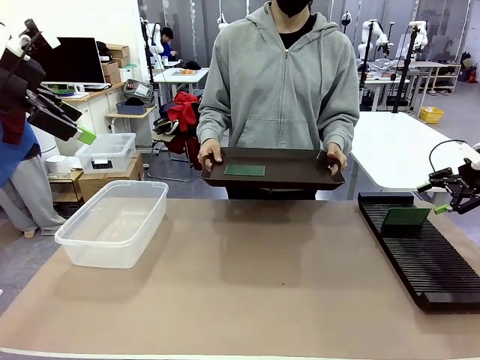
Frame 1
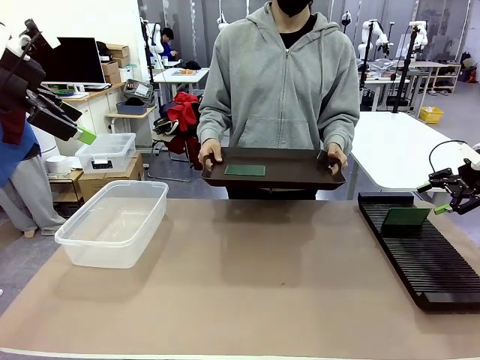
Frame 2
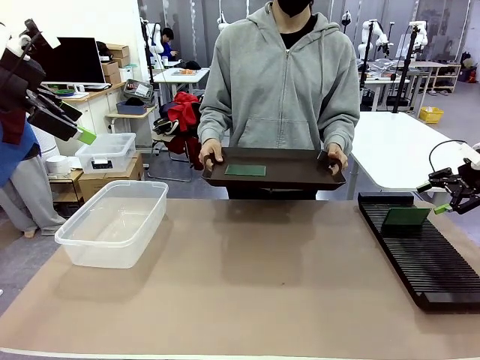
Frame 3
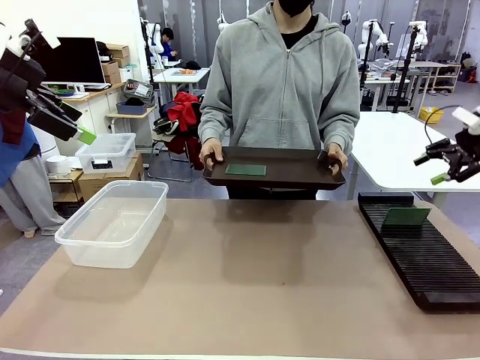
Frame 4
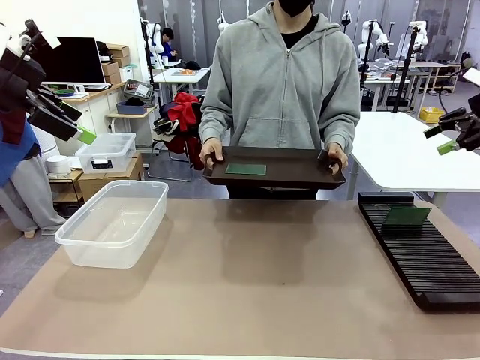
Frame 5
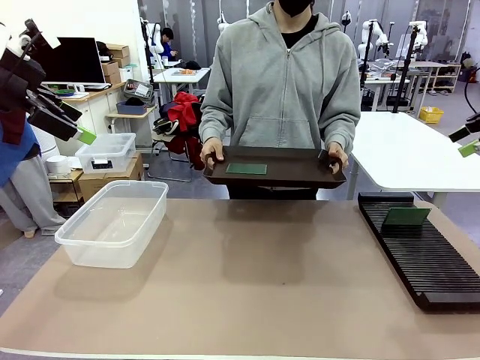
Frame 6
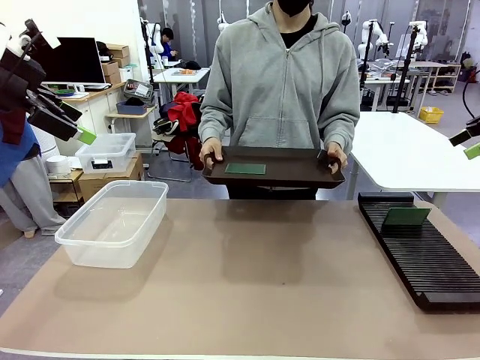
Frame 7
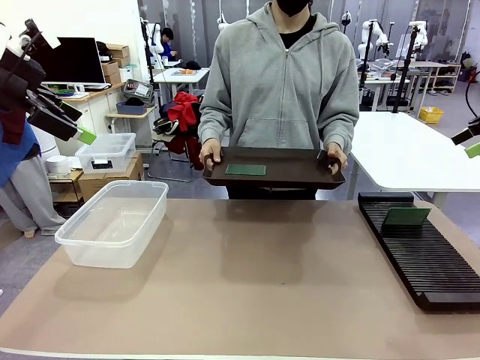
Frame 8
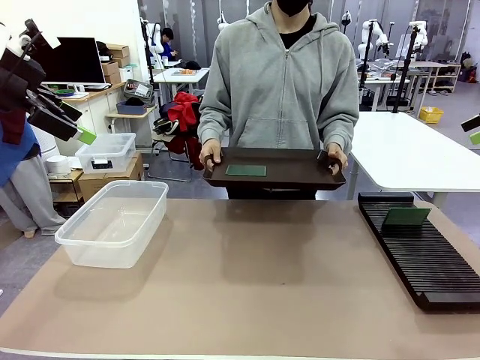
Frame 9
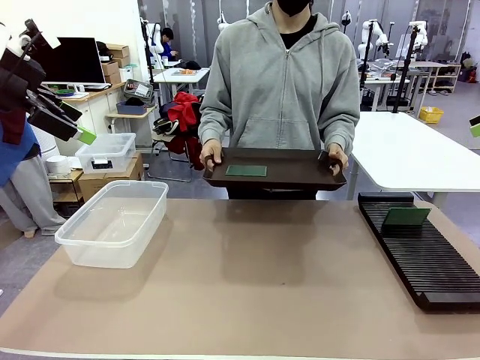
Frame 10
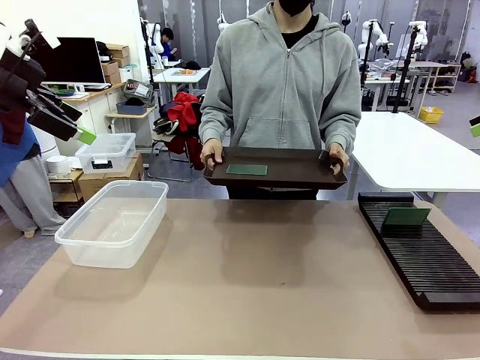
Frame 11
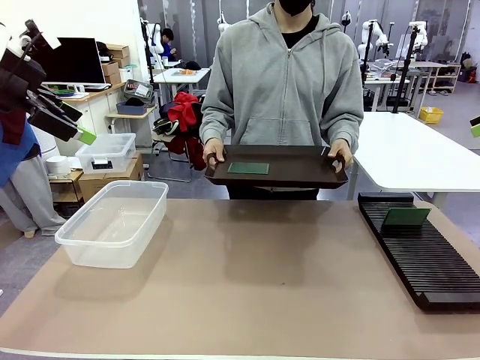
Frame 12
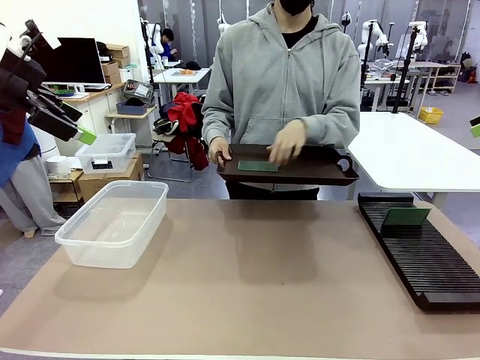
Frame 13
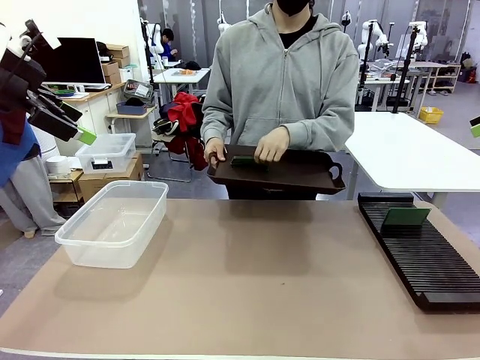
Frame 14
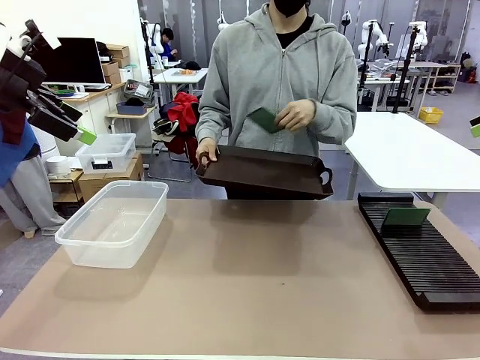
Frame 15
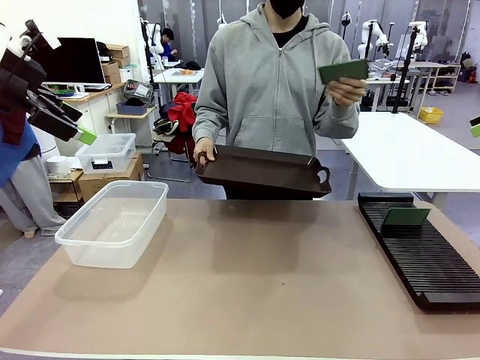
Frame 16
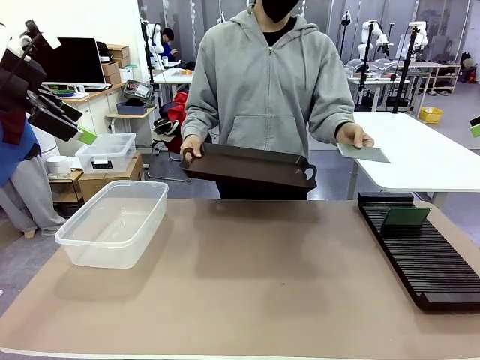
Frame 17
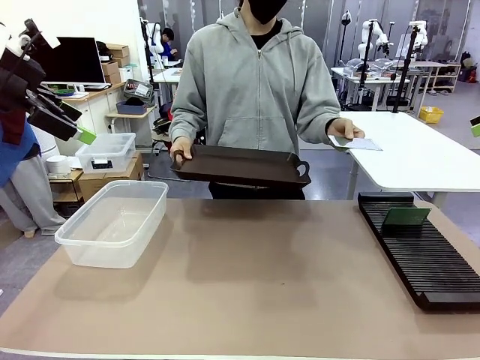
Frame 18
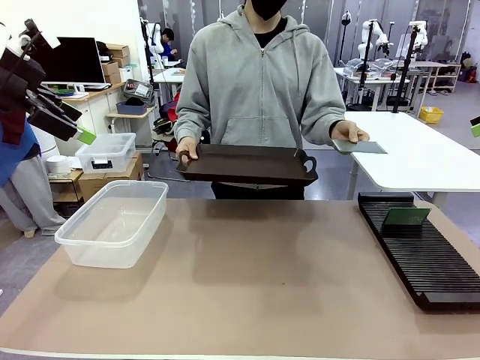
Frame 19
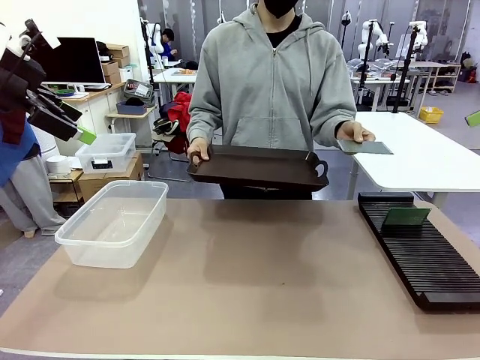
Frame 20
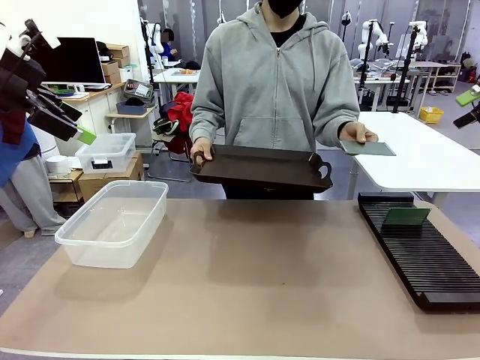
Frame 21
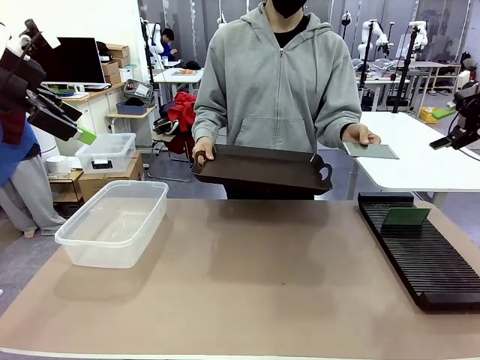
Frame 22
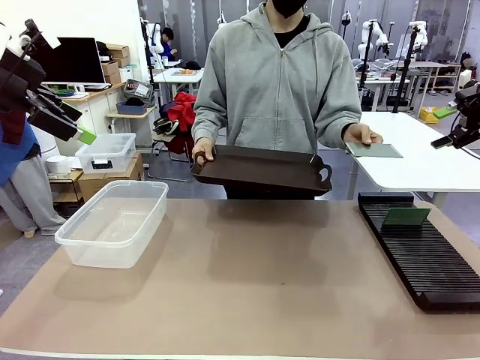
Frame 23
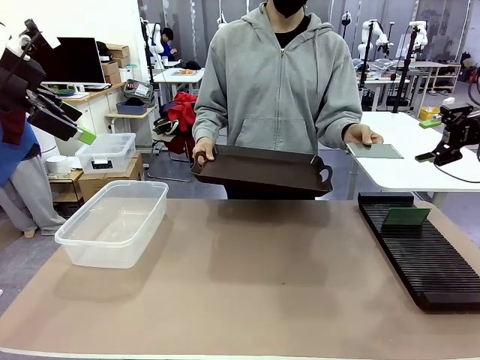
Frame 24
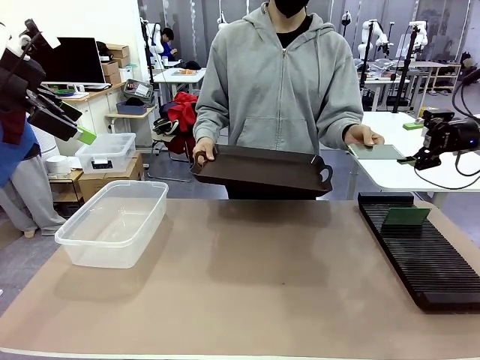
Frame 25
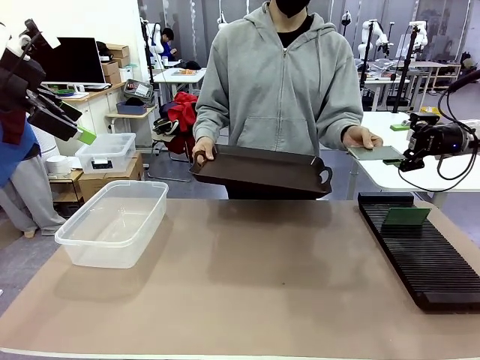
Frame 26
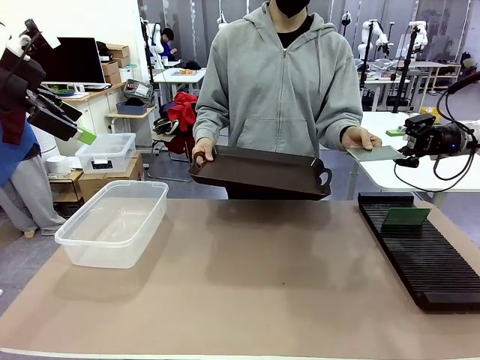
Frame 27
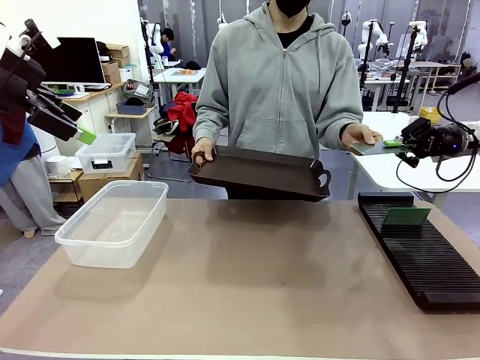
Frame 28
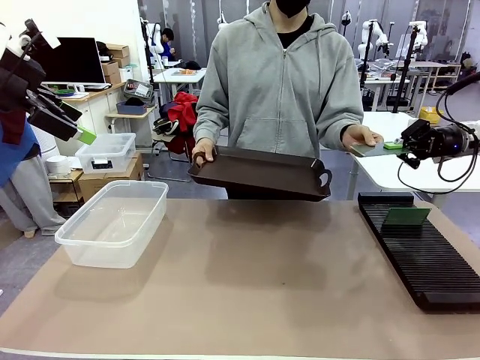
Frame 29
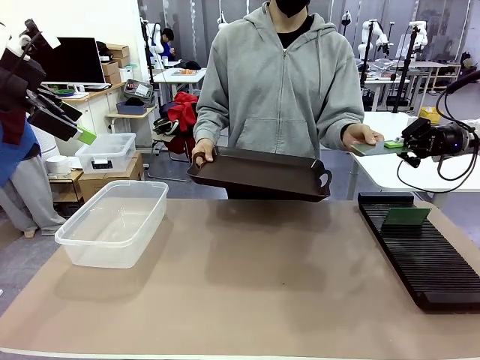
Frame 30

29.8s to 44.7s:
Task: Sort PCBs into racks and boxes based on the side picked up.
Robot: Pick up the Blank PCB handed by the Human.

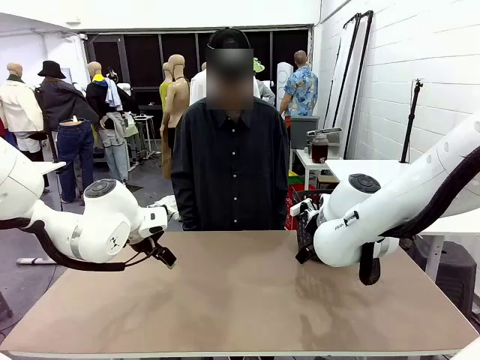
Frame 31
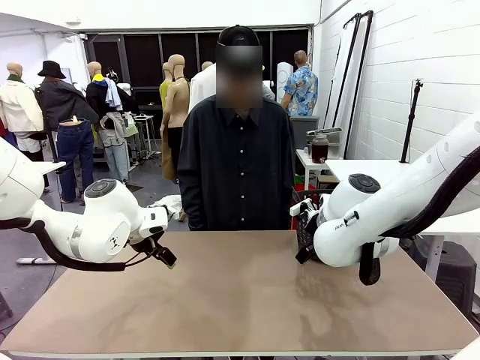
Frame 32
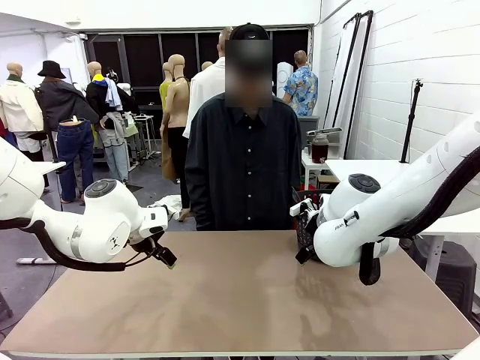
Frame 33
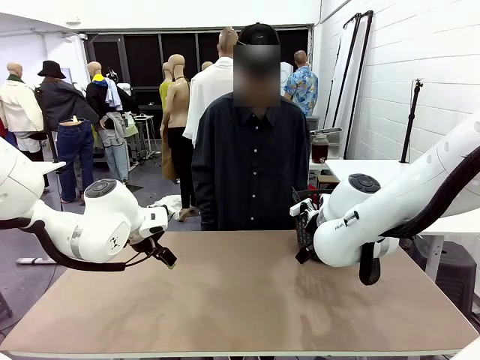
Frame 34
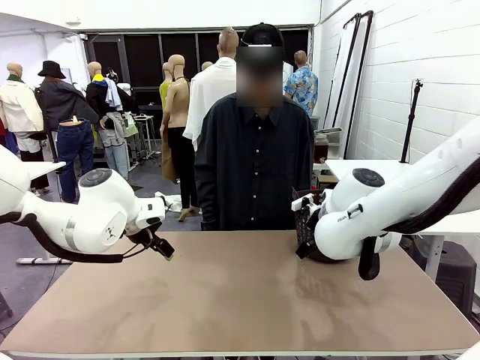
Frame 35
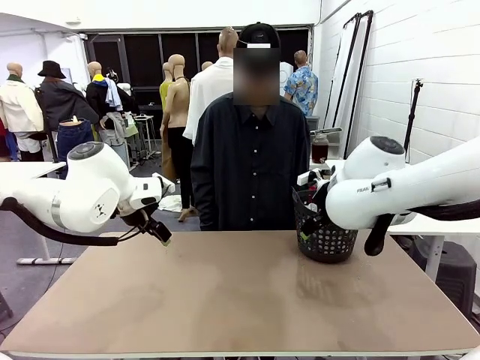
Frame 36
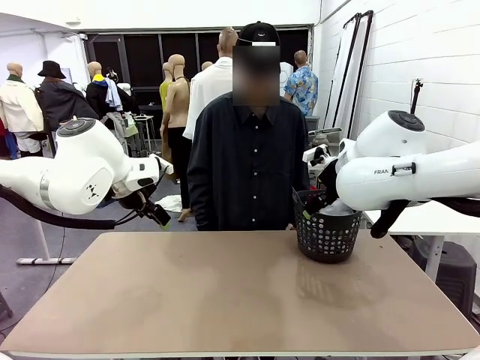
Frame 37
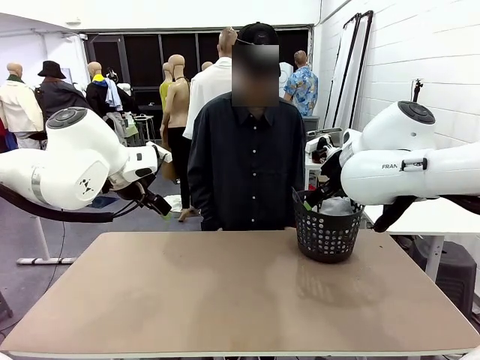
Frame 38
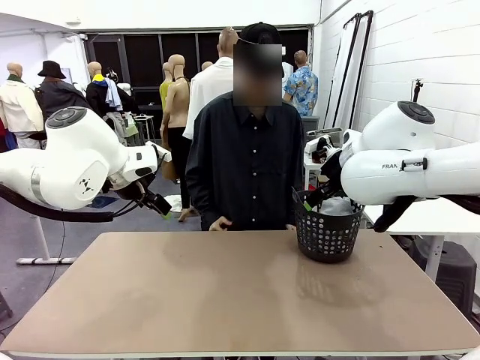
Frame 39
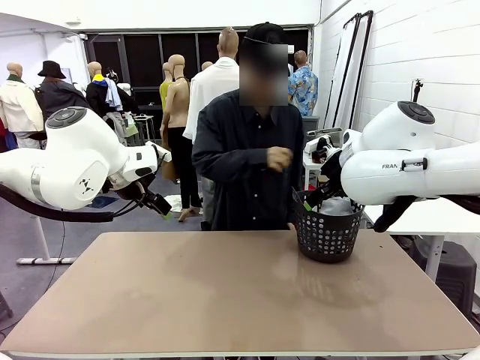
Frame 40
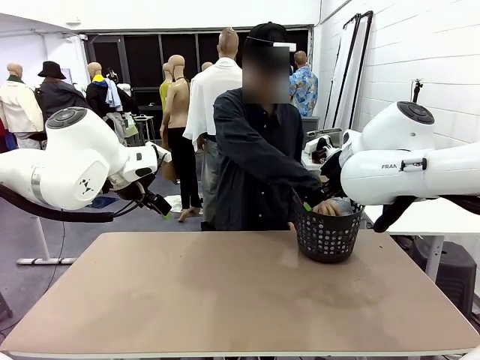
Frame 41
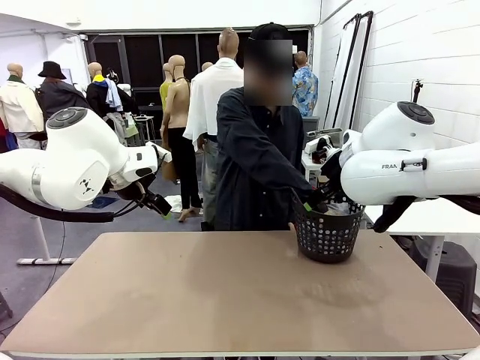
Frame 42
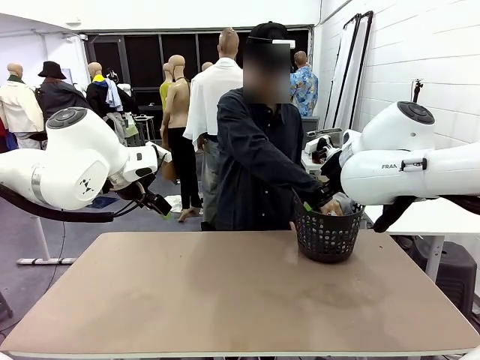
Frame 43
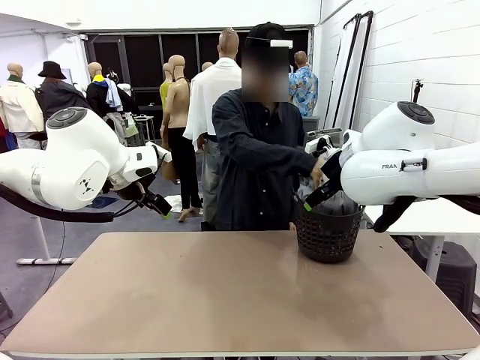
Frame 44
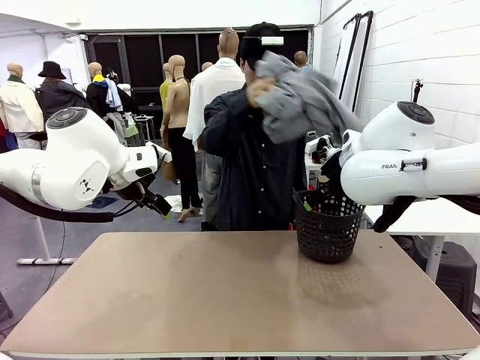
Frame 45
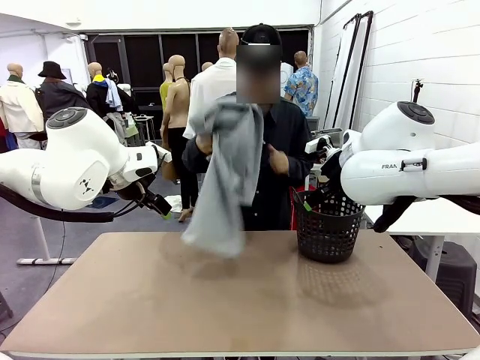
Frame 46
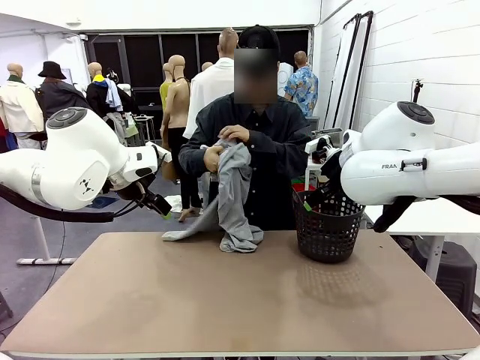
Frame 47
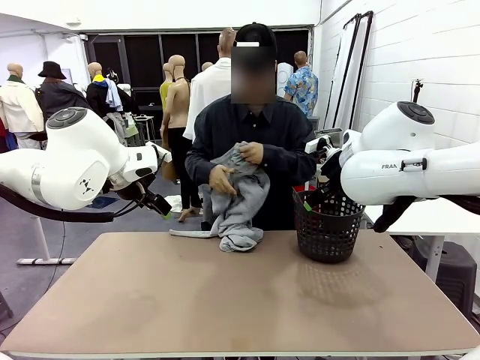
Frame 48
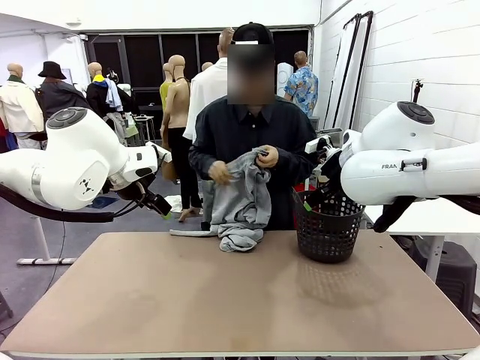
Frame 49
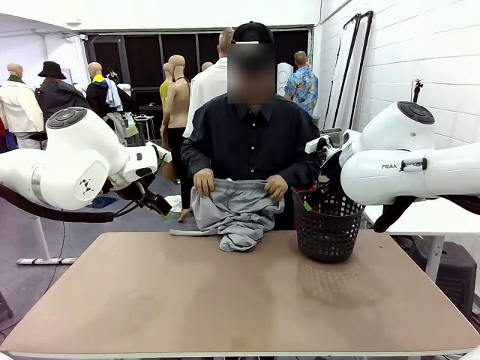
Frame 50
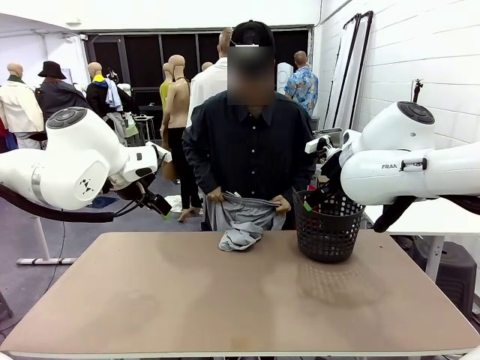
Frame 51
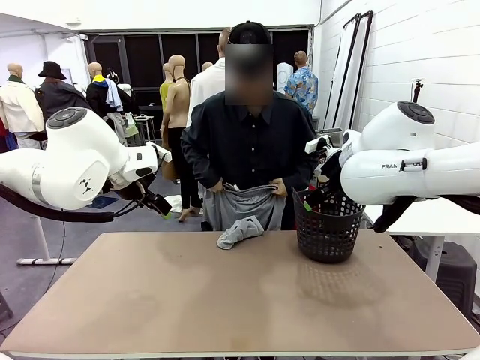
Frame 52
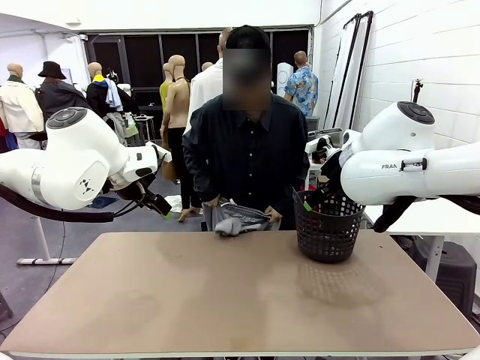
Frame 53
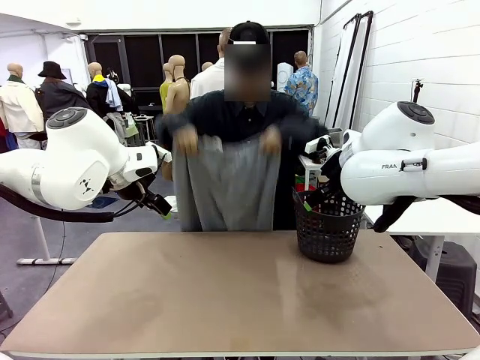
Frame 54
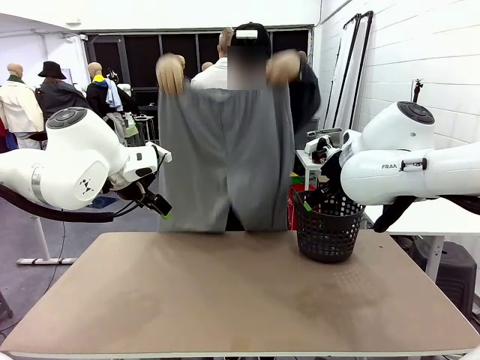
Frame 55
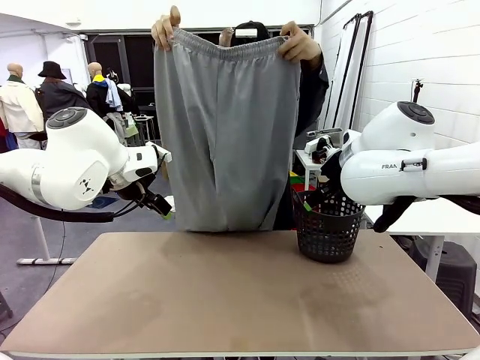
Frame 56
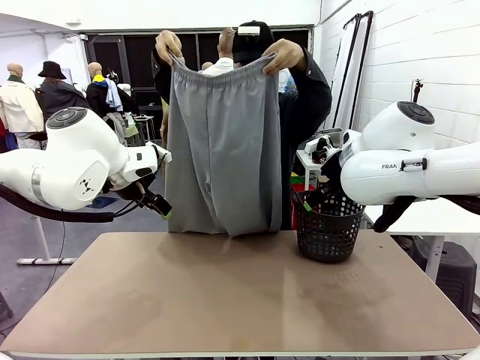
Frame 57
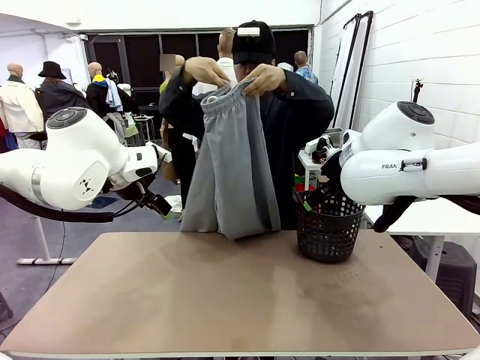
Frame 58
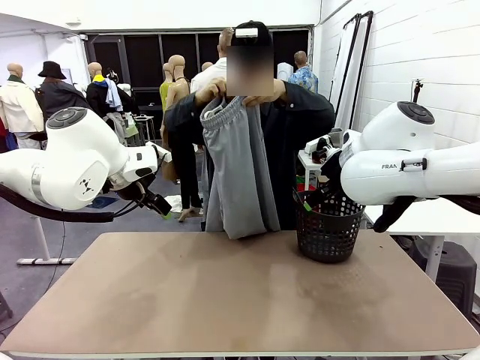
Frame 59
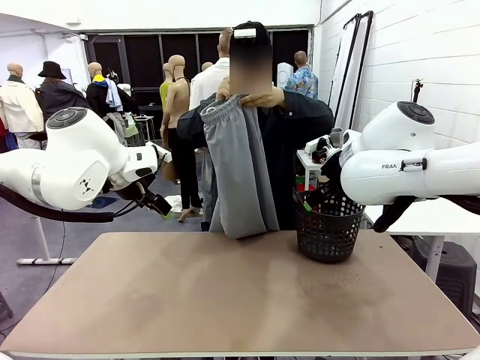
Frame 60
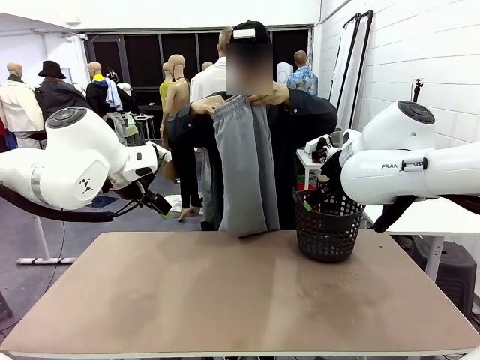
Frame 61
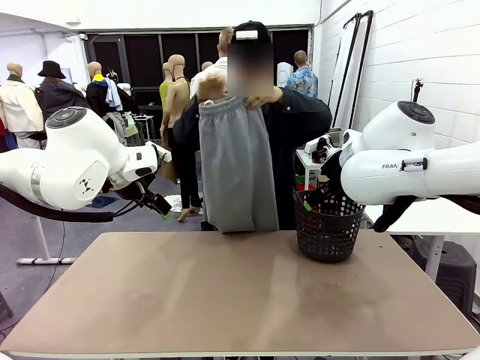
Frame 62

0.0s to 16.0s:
Task: Fold the training pants.
Robot: Grab both ends of the Training pants handed by a person.
Person: Take the long pants out of the laundry basket, unfold them, fold the waist in half, and extend them so the robot can pick up both corners.
